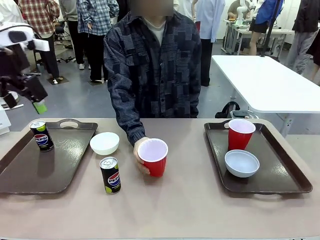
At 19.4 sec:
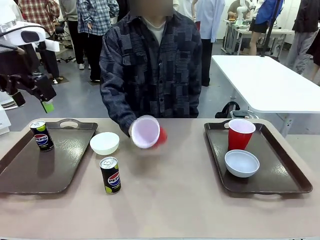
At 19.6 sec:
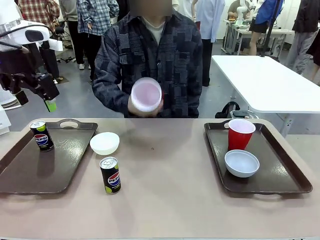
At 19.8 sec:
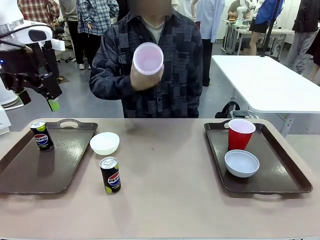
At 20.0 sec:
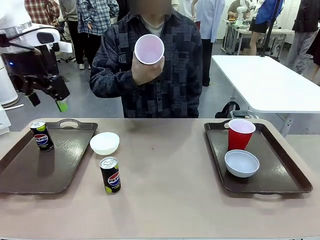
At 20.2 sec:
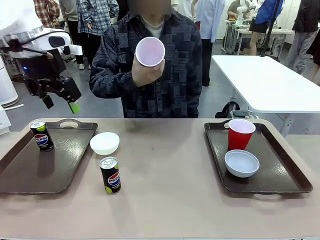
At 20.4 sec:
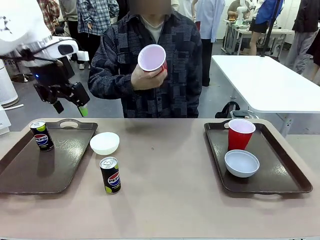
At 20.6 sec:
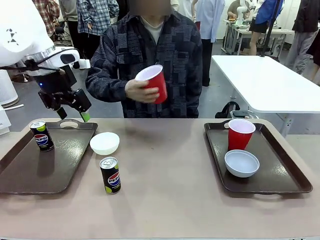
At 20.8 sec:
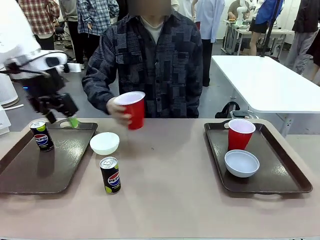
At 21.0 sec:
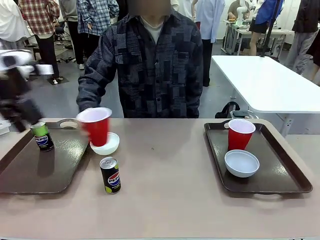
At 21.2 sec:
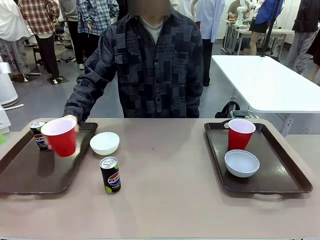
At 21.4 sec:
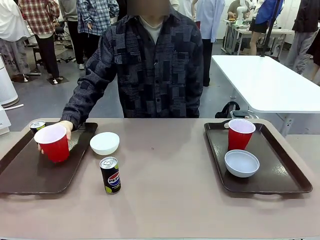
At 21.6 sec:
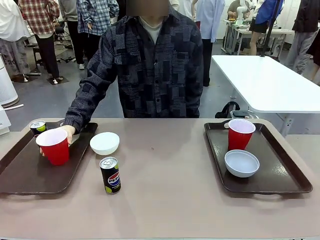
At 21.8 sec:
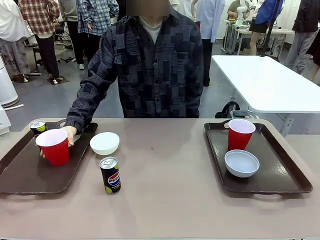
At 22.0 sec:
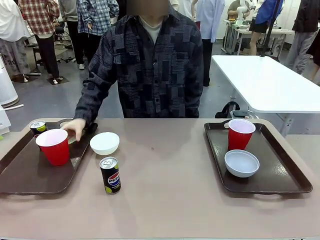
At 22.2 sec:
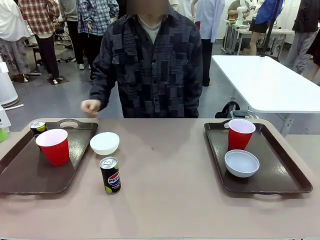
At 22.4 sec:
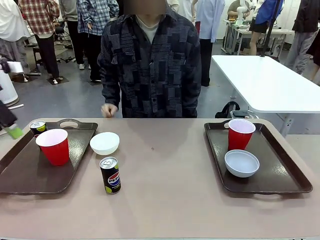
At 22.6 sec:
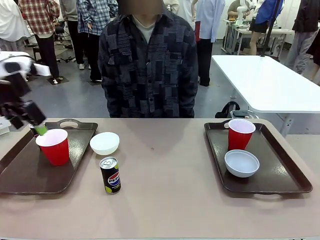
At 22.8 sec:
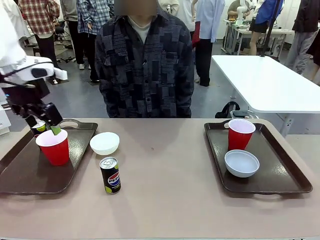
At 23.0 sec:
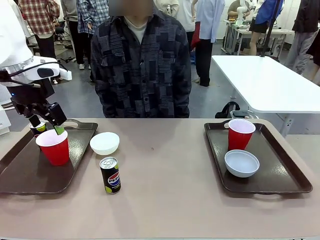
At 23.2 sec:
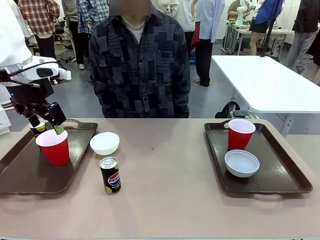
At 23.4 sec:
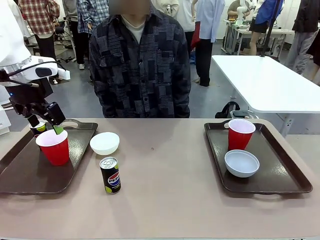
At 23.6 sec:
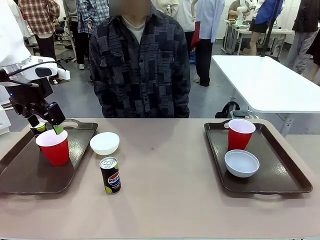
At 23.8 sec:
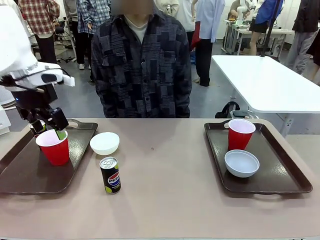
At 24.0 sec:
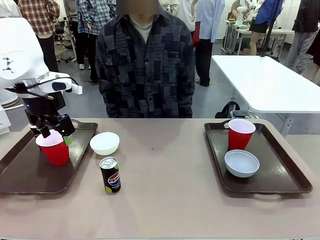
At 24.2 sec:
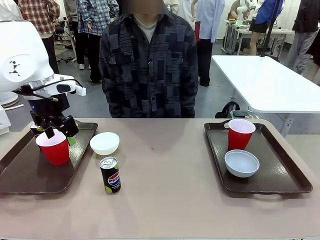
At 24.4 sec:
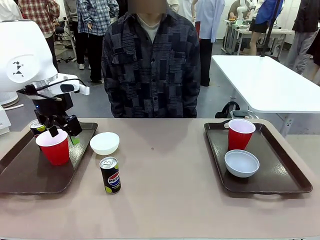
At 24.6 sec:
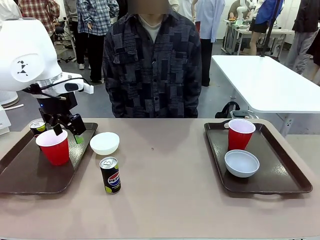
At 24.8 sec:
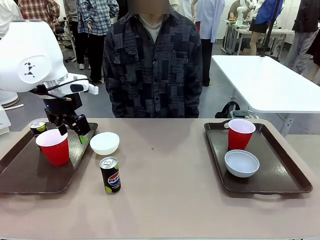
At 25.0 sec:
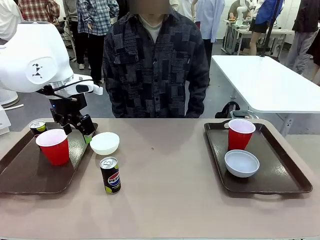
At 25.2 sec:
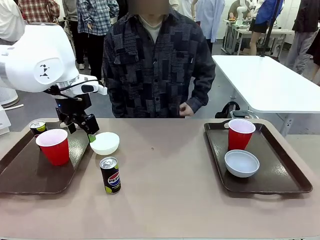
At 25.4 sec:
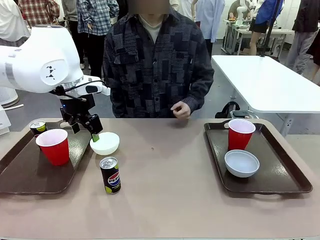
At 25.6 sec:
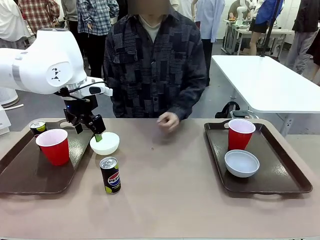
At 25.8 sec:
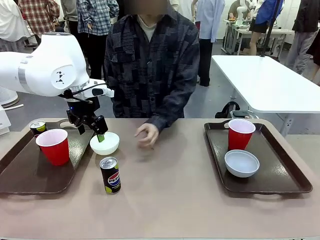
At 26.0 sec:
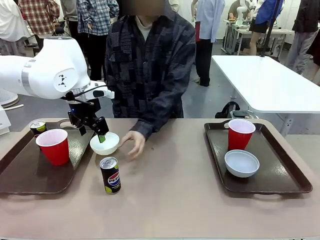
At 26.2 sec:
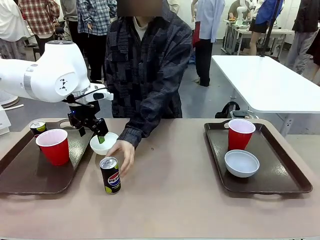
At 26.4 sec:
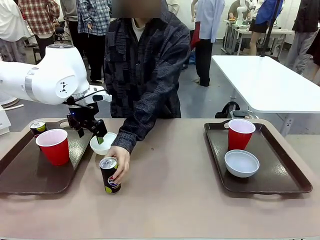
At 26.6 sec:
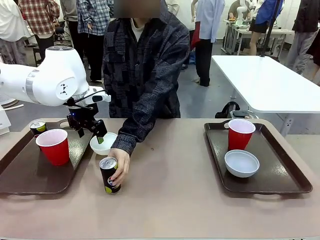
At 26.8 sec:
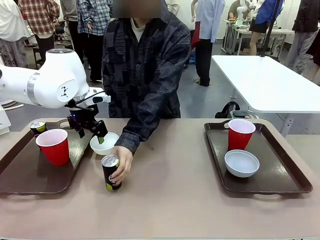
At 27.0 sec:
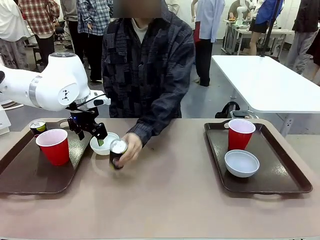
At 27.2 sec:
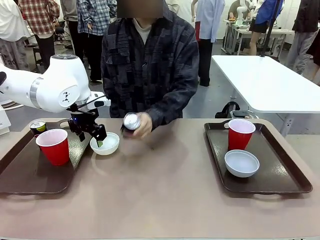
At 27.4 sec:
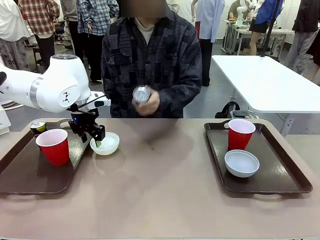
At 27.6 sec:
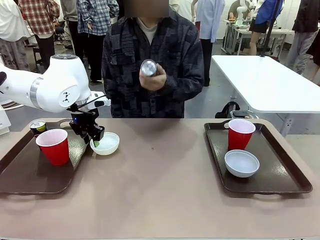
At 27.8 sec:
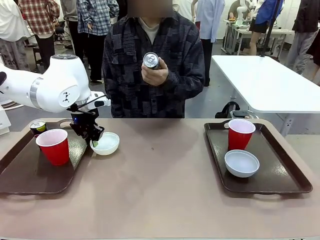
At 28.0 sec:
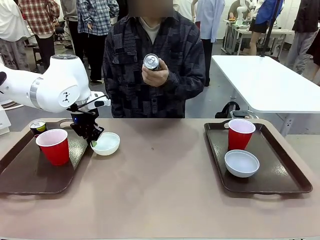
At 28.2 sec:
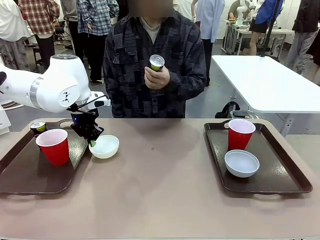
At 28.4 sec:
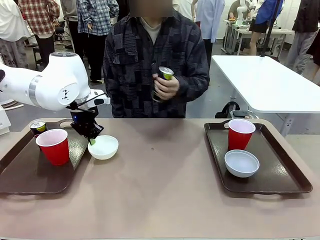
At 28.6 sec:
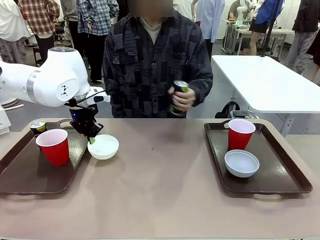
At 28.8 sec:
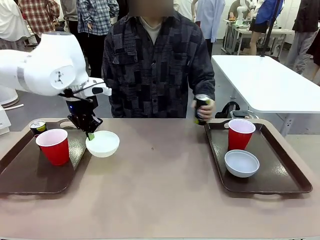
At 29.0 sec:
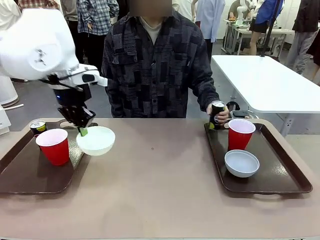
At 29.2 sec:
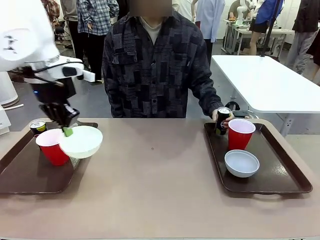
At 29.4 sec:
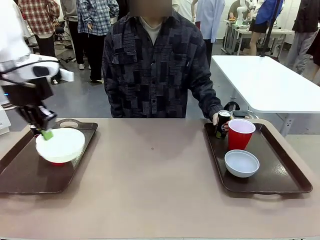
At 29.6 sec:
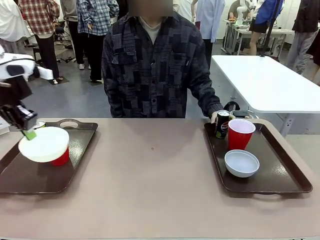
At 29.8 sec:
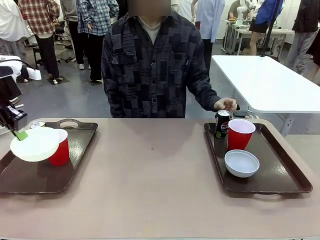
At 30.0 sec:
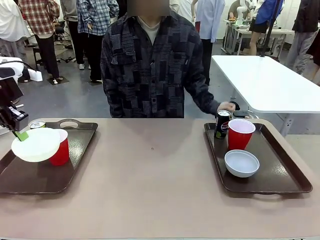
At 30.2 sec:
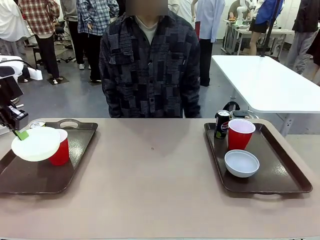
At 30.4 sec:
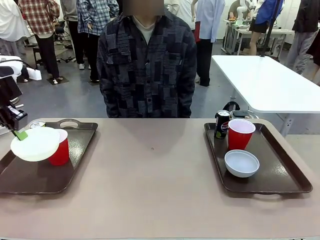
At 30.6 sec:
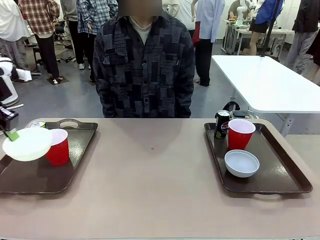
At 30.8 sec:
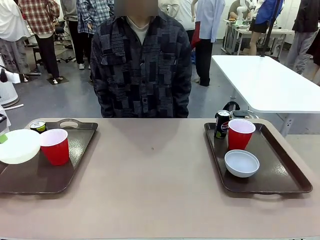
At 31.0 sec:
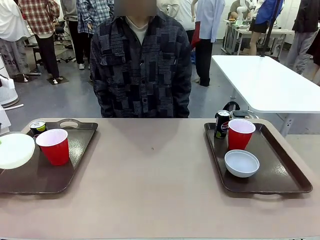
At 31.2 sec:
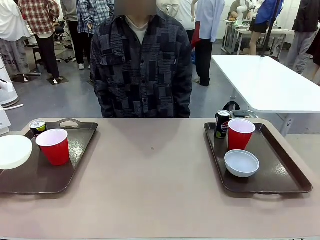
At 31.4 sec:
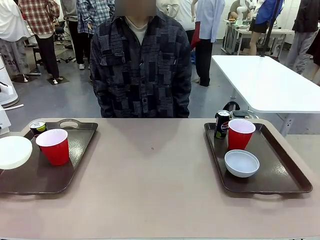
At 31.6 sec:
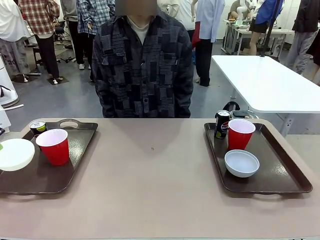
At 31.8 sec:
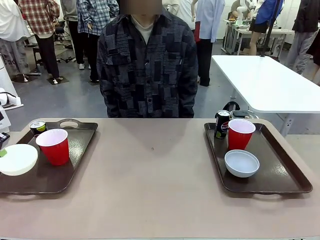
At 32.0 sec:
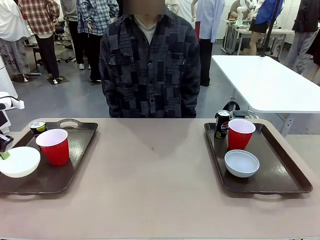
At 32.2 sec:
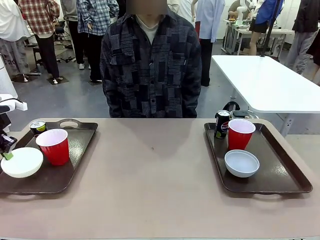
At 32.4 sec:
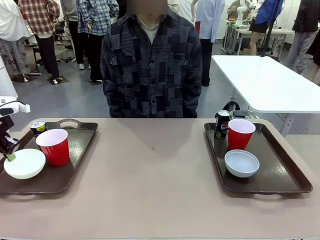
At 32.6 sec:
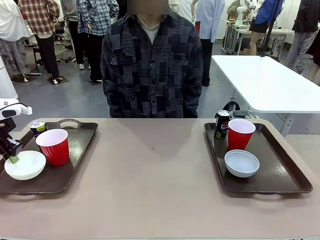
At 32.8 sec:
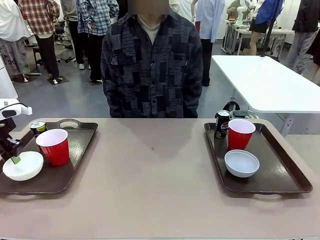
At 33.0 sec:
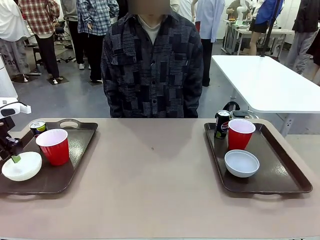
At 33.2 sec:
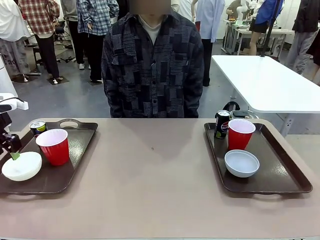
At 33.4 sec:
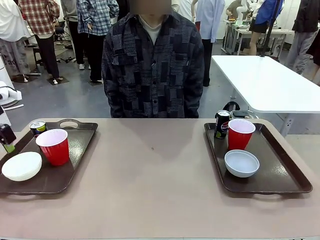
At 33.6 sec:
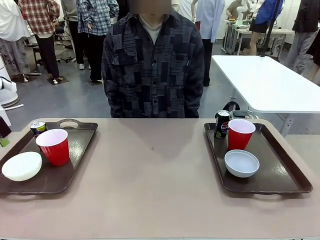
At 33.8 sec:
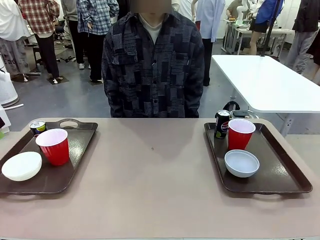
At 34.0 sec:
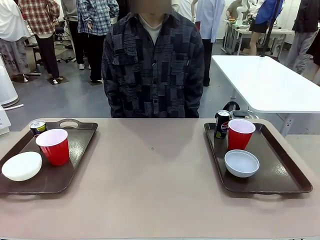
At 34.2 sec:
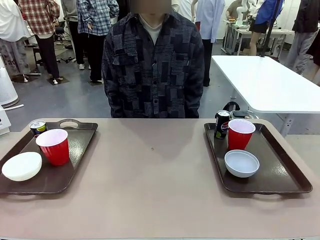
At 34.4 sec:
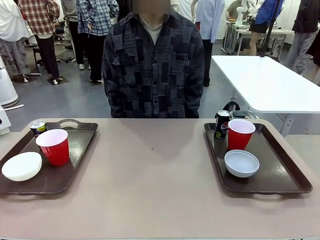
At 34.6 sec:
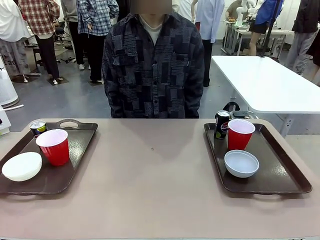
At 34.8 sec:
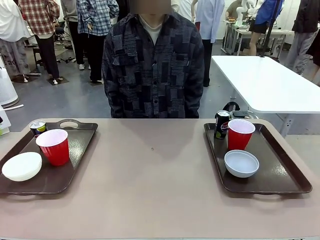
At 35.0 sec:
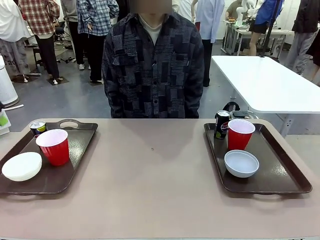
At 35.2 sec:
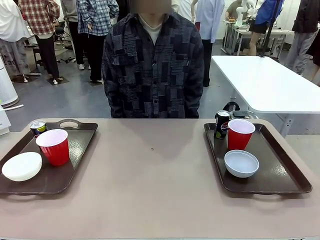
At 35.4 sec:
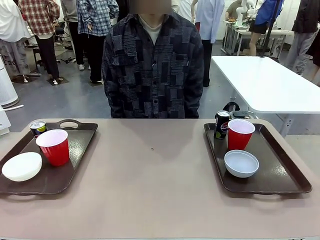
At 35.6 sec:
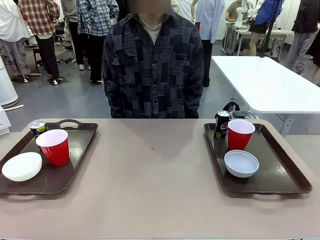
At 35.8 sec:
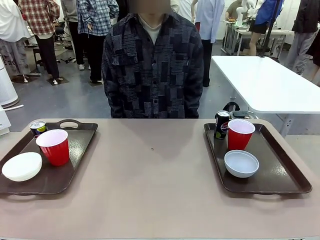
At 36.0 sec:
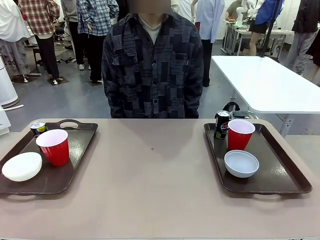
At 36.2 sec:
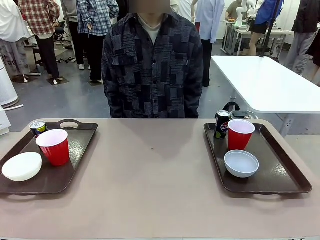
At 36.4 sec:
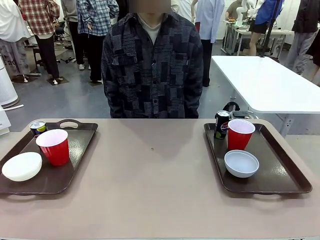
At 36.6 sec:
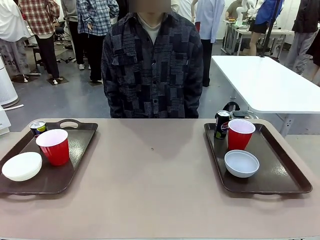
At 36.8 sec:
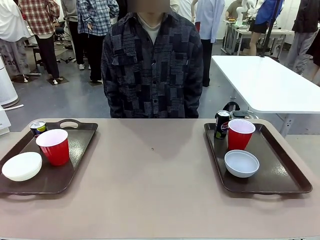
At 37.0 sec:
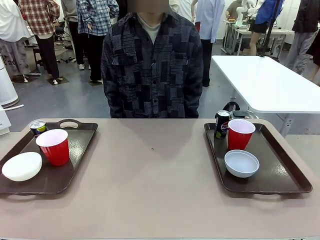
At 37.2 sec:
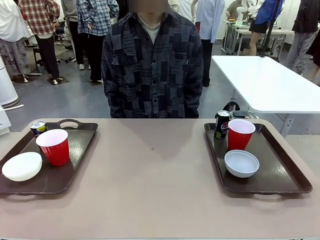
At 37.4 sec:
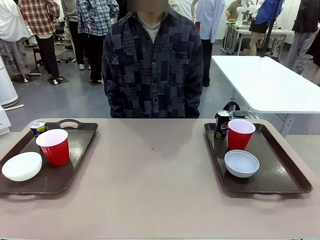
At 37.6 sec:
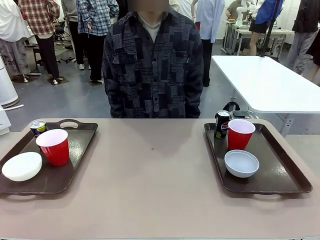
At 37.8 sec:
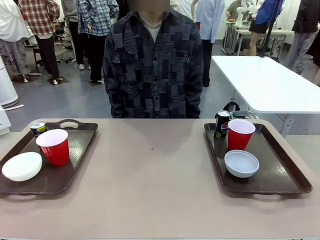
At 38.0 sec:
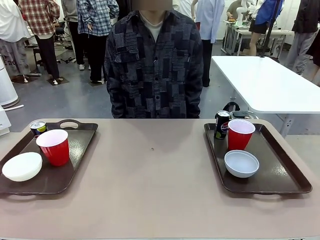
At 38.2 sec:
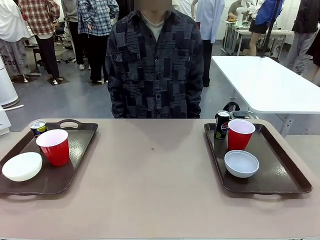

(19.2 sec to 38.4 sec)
Task: Prepare tableware on both trays.
Robot: Pick up a Picnic Bowl from the table and place it on a Handle tray.
Person: Pick up a can or cup and place it on the tray without a can or cup.
